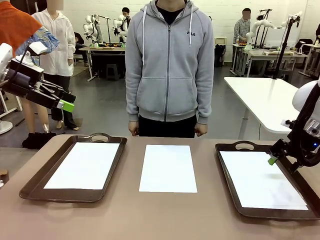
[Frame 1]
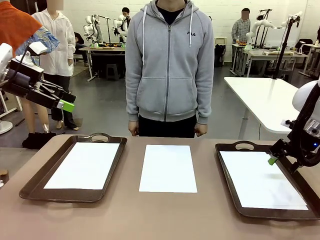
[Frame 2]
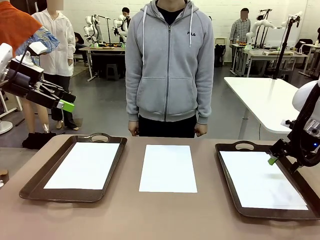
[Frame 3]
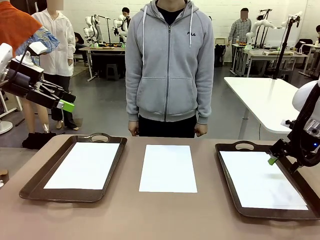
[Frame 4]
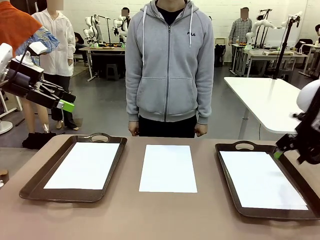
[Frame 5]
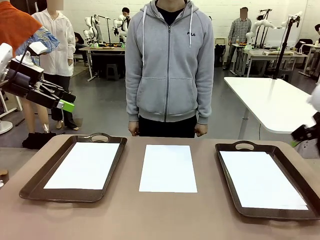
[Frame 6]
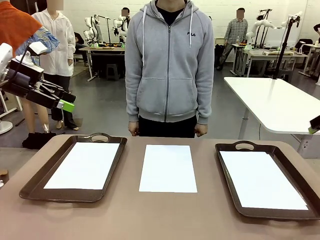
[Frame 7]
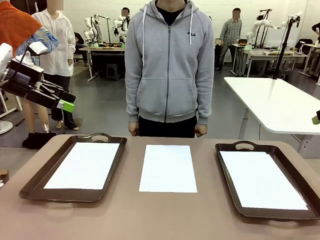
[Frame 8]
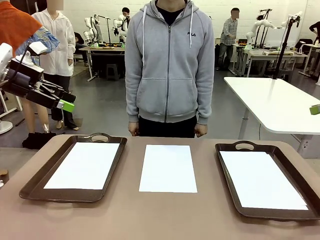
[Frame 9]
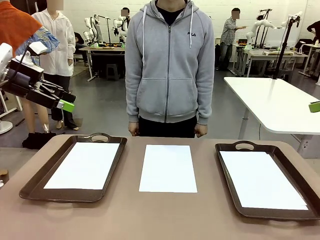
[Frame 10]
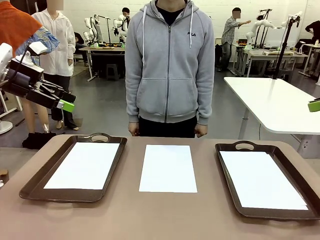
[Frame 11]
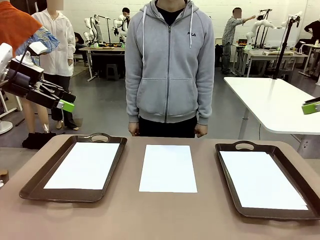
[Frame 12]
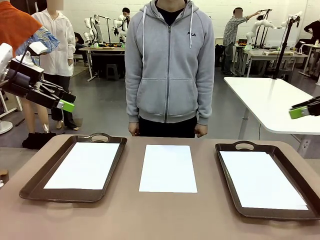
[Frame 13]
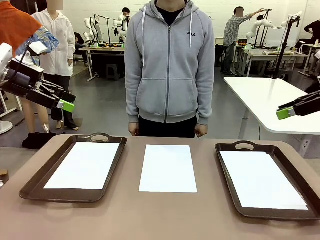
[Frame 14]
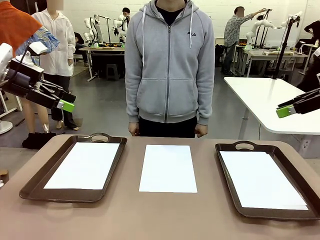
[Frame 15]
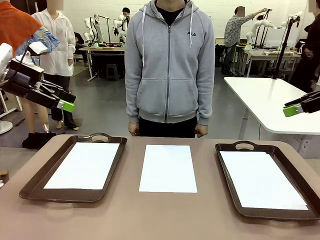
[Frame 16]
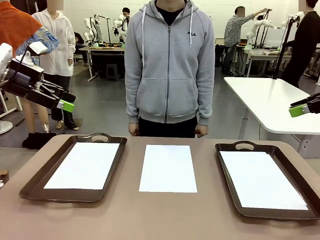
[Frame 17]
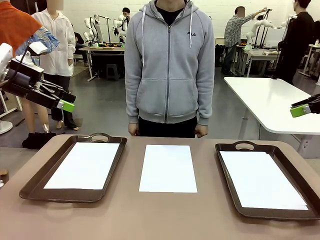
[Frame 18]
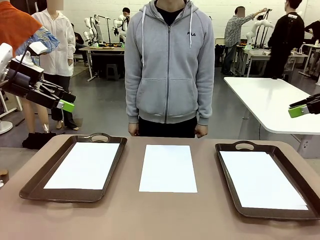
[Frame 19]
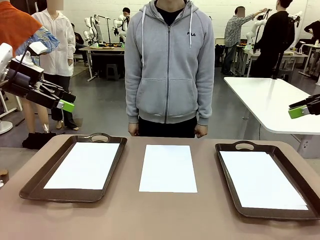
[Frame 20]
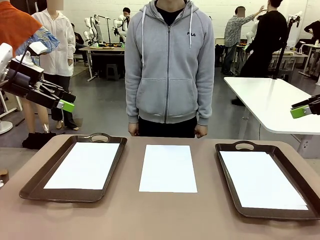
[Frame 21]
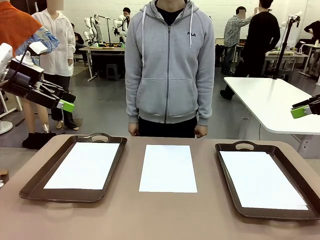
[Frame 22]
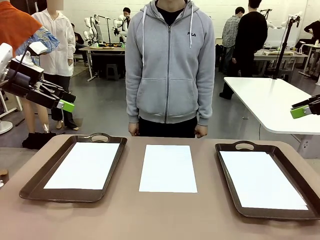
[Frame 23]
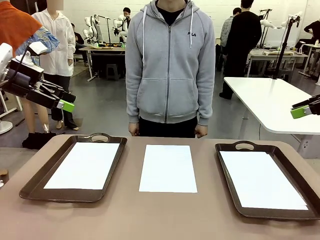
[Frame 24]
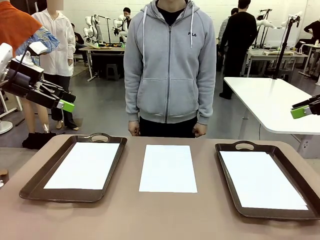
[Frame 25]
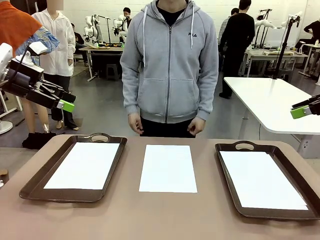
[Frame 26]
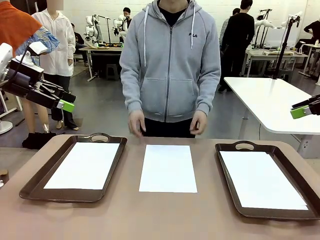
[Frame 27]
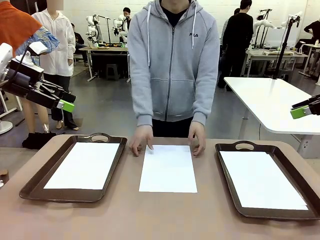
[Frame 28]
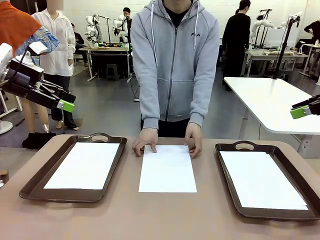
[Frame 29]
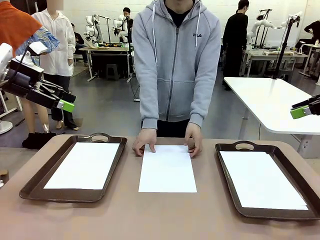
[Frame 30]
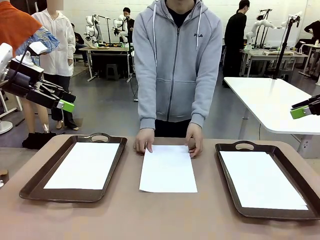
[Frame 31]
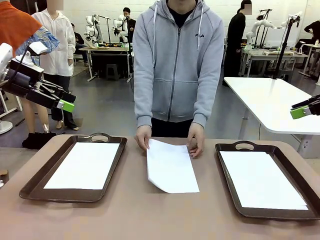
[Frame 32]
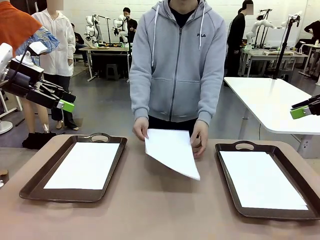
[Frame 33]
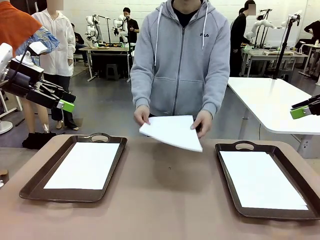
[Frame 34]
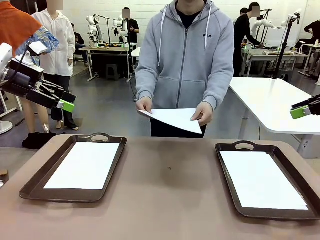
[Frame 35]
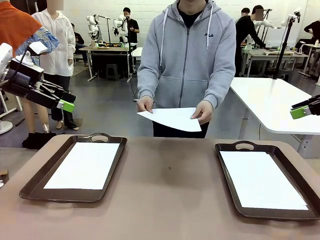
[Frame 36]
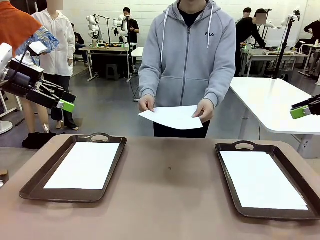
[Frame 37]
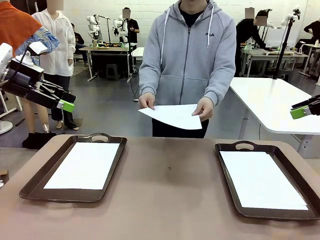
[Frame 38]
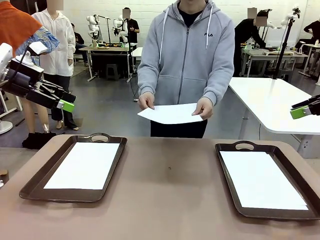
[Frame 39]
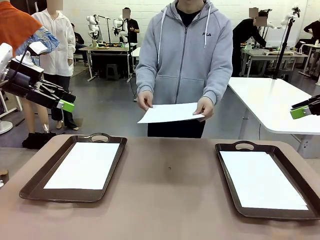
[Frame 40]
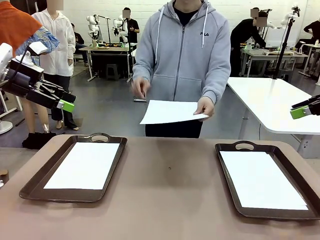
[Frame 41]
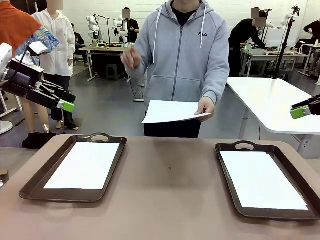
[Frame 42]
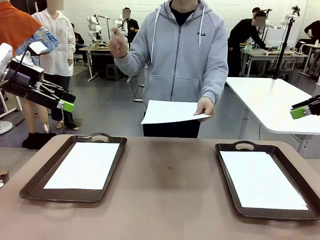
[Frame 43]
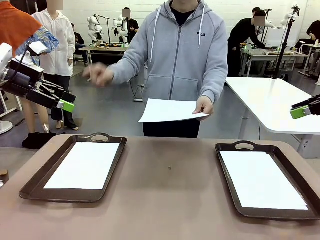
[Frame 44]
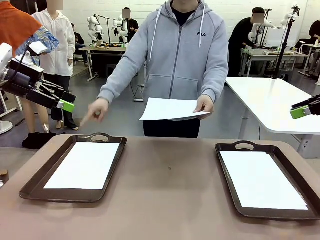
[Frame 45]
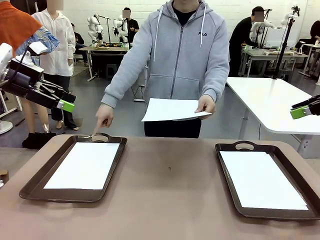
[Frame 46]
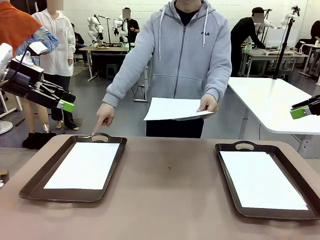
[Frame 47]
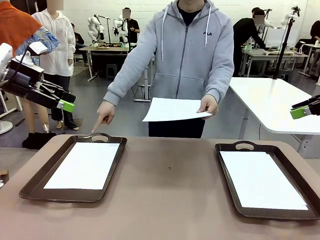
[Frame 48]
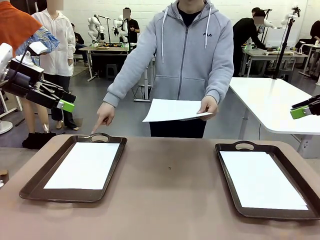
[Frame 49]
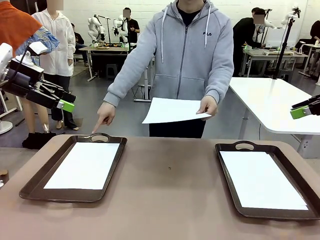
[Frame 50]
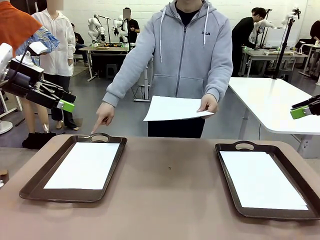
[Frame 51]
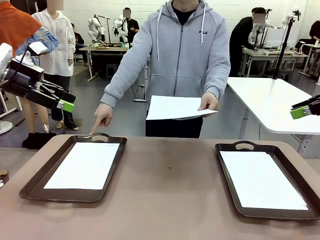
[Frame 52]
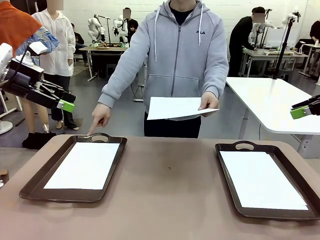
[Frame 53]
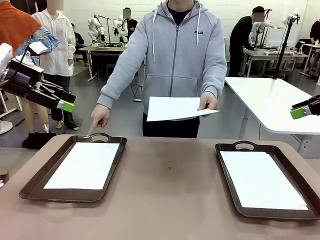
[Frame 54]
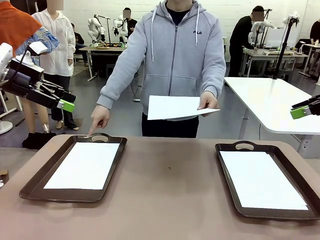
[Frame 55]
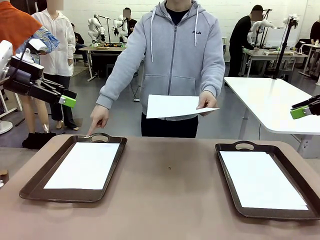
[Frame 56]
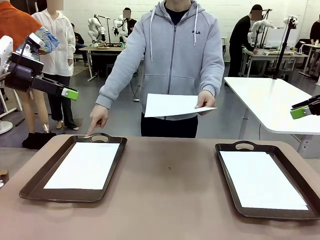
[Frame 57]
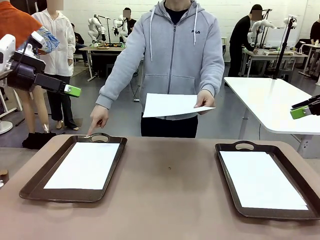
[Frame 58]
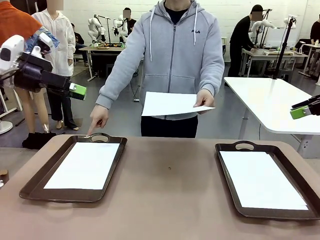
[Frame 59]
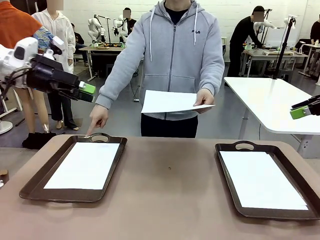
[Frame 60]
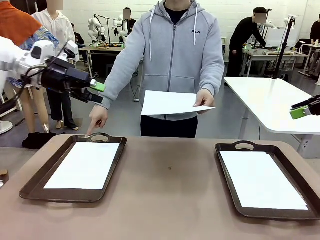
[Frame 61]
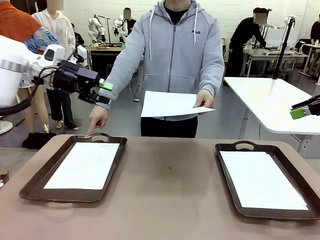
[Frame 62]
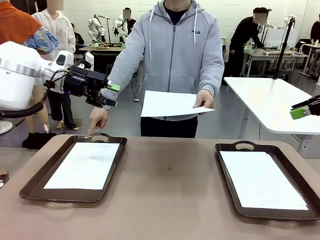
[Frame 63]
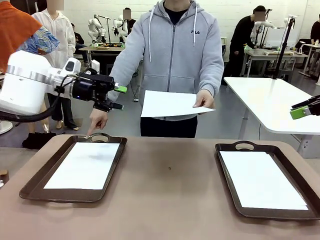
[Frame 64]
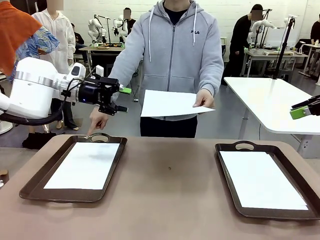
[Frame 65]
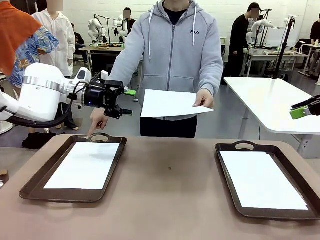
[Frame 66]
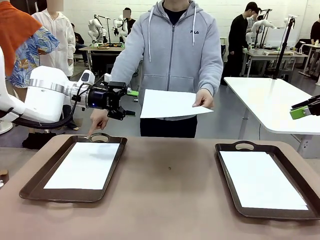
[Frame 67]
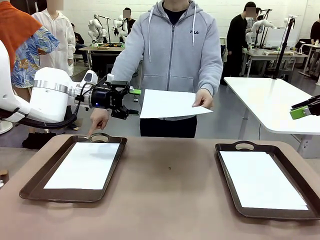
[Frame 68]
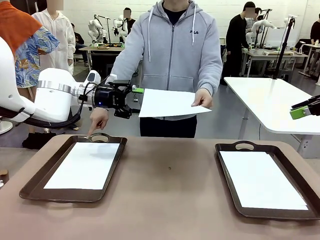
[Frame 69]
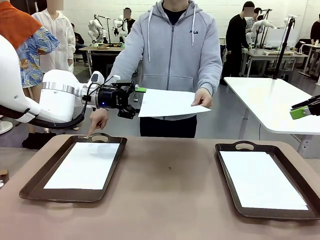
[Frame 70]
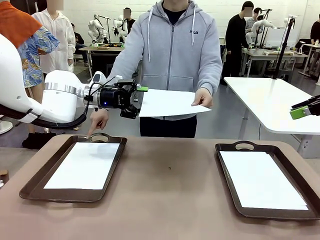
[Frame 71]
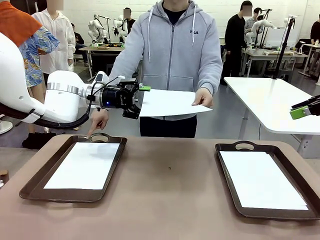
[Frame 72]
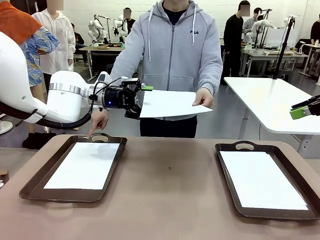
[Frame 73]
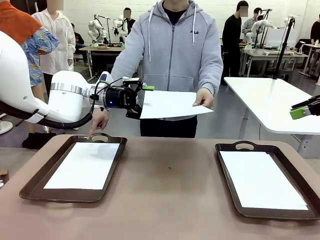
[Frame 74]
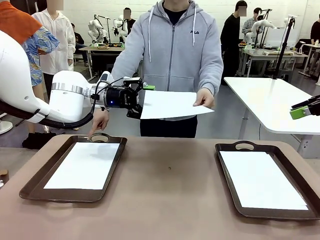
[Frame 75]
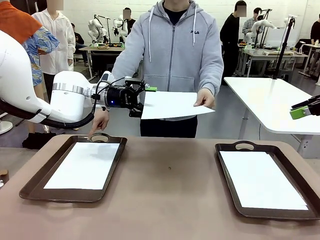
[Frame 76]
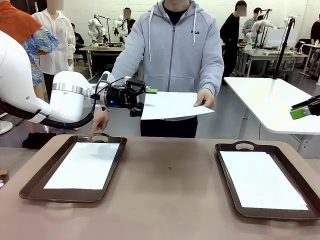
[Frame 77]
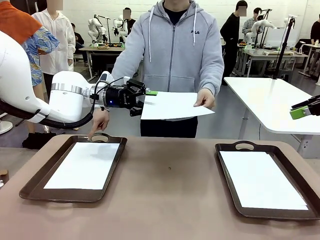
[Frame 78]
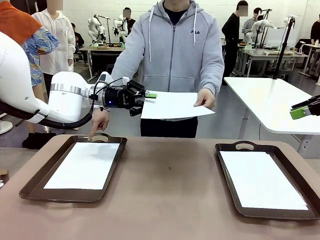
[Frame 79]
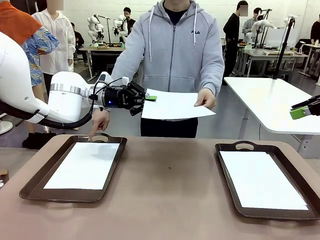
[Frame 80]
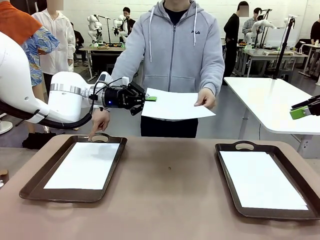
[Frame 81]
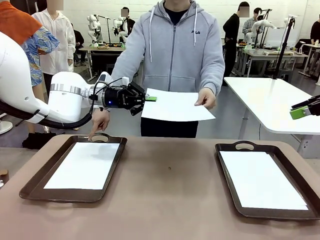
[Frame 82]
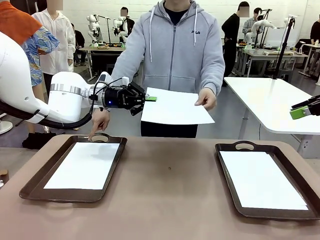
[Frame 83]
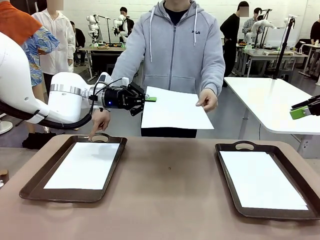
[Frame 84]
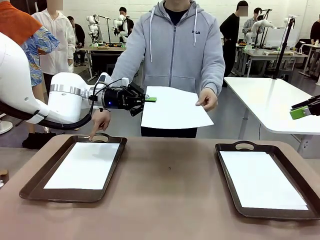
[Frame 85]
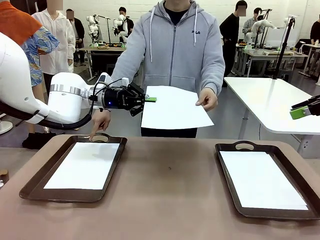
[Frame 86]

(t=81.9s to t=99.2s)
Task: Sort the A4 documents.
Robot: Receive the A4 Paper.
Person: Point the randomly selected tray with the other hand.

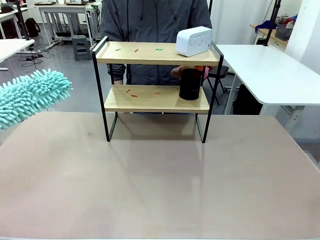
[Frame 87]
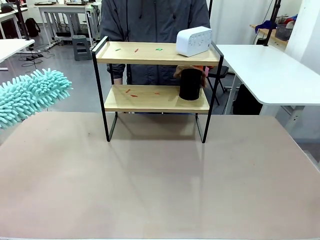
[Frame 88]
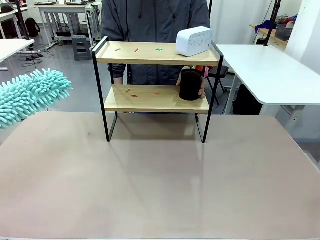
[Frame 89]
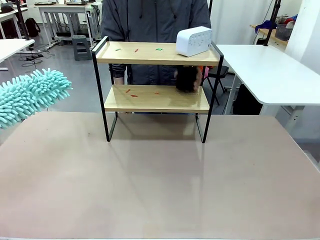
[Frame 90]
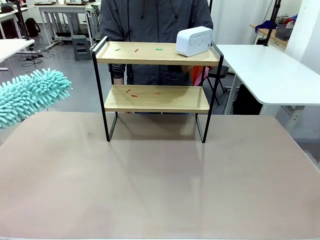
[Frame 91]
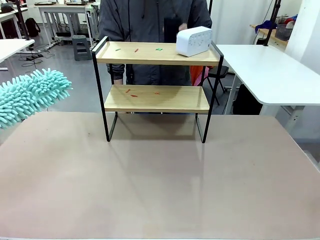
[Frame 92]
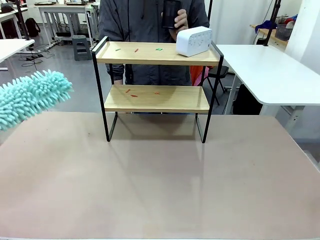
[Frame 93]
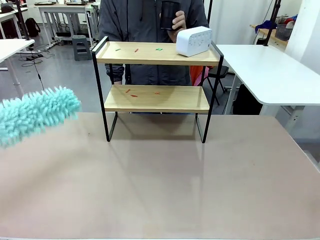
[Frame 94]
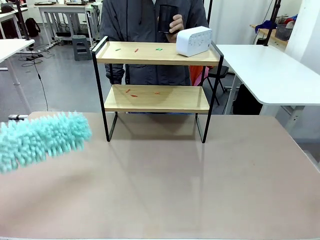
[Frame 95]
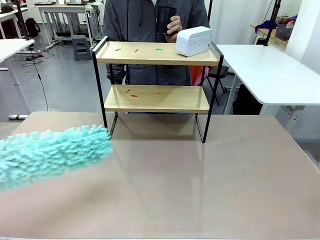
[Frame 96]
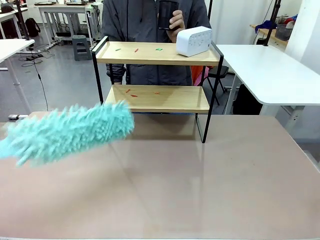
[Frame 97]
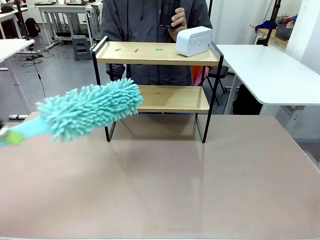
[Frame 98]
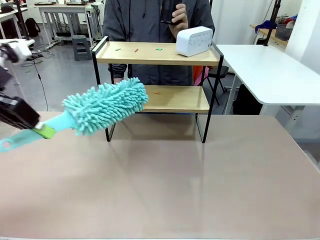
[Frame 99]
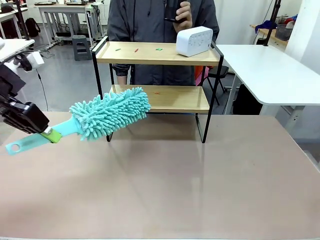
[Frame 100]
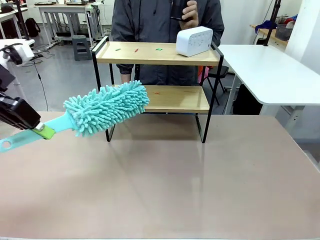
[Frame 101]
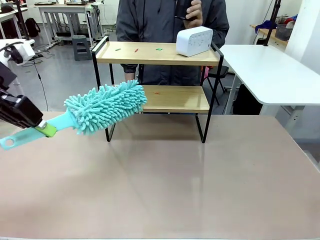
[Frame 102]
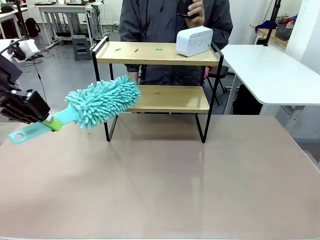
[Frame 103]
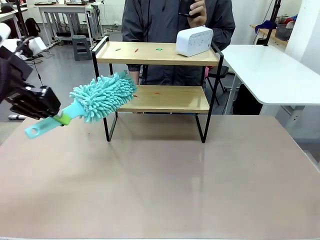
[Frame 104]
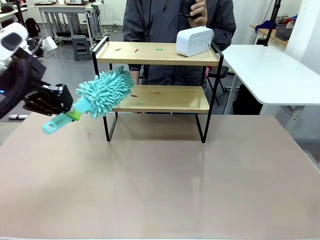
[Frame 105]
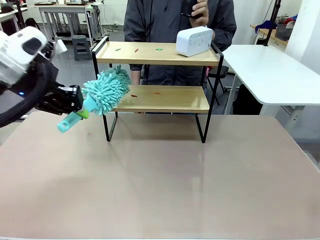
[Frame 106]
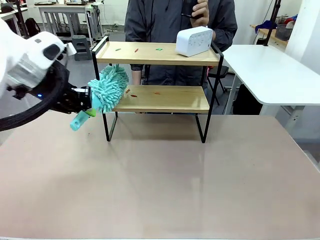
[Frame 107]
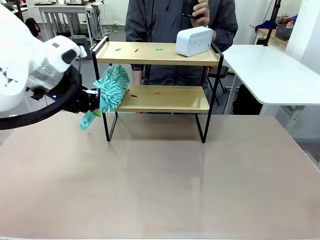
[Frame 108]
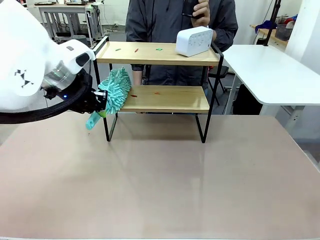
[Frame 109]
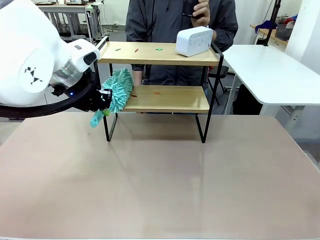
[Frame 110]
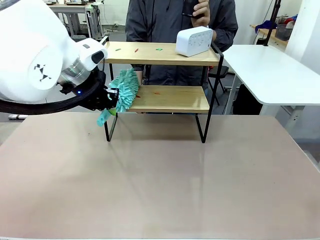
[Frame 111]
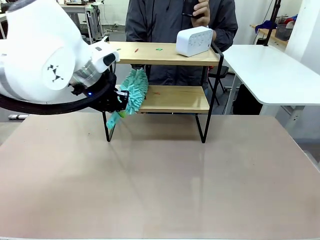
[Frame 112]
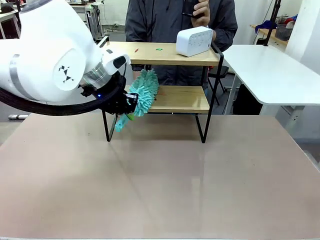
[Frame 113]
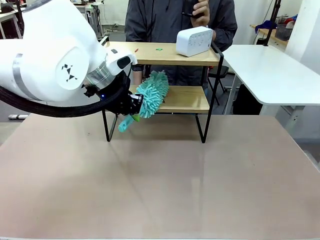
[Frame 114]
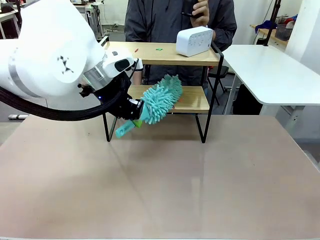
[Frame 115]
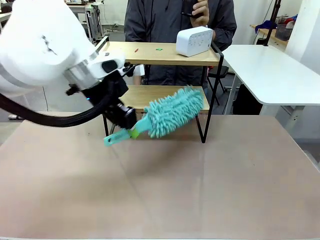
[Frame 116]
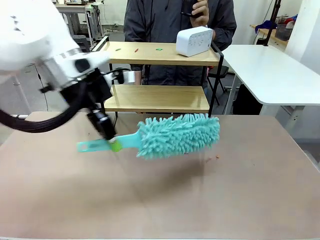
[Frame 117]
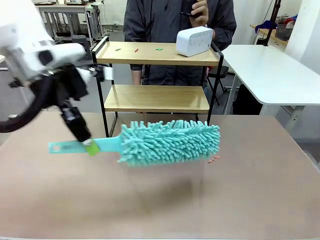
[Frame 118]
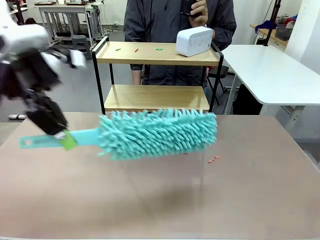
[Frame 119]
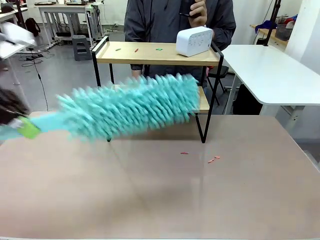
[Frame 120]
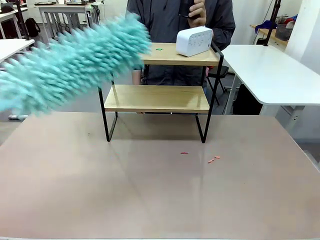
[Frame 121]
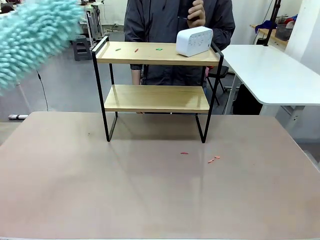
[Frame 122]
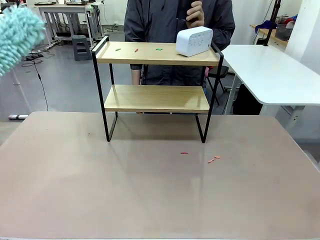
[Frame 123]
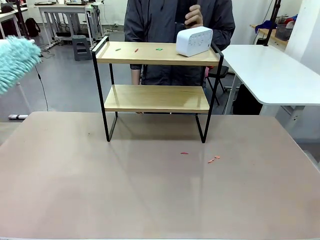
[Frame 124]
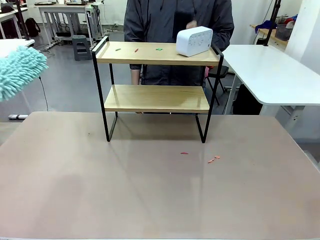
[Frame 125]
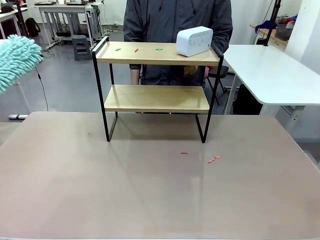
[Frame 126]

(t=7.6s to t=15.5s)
Task: Clean the shelf.
Robot: Clean the specific tier of the Shelf with the Duster once objects are removed.
Person: Lift the objects on a randomly selected tier of the Shelf. Once the robot finishes cleaning, lift the objects on the remaining tiers of the Shelf.
